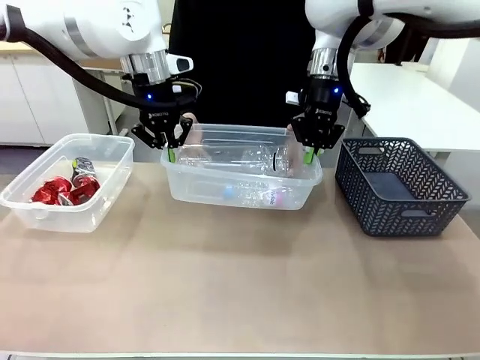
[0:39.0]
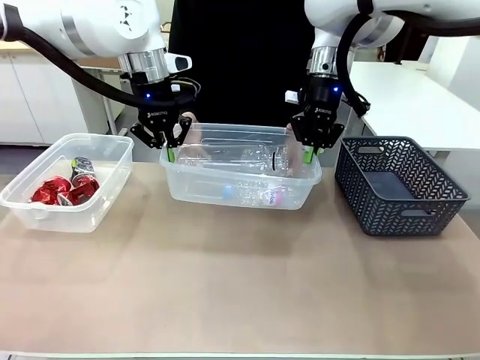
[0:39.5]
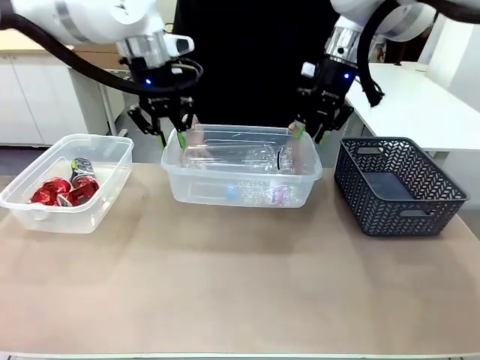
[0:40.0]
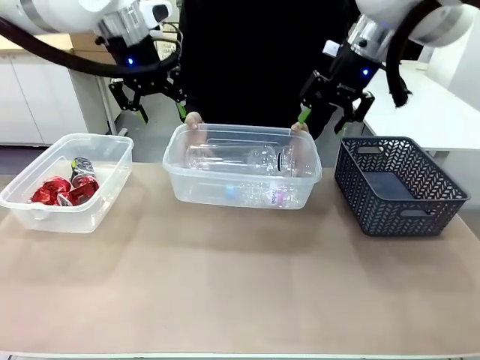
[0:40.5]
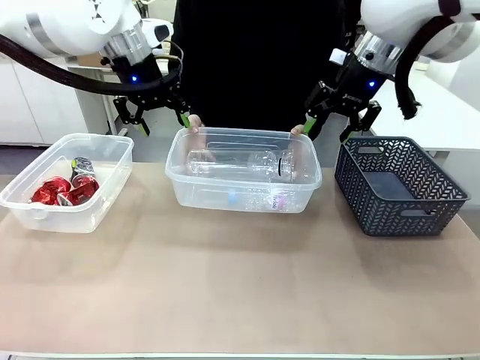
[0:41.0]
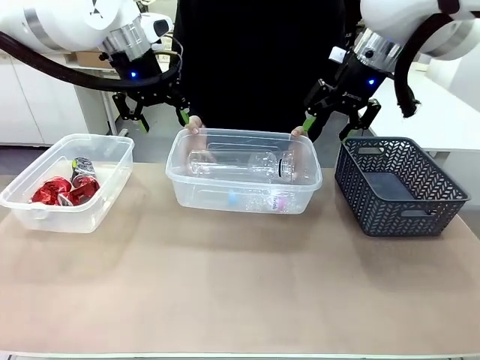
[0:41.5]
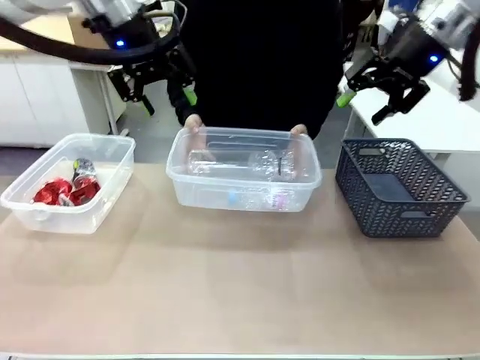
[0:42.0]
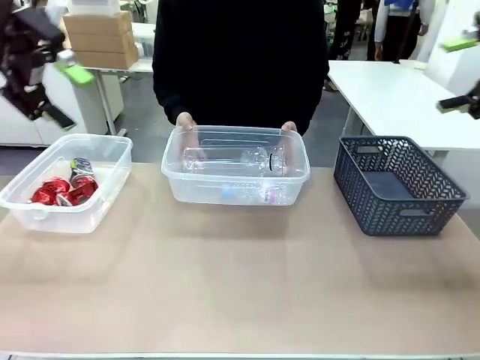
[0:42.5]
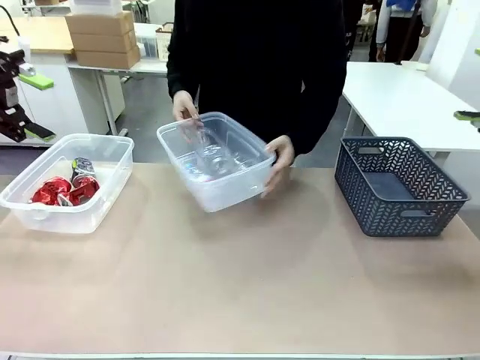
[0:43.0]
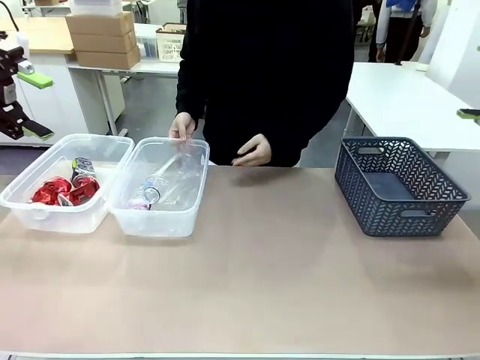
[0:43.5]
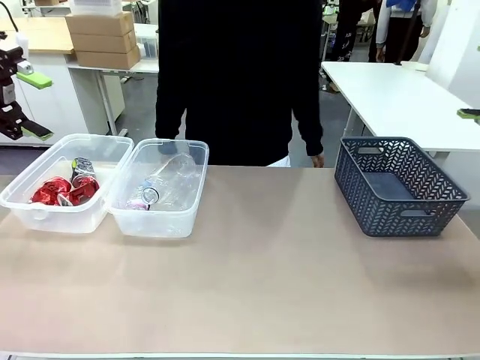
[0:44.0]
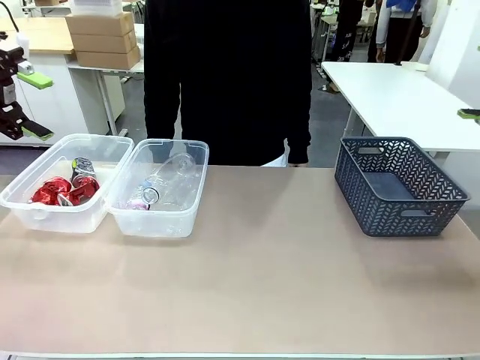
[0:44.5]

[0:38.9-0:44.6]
Robot: Release the Organizing box you were holding.
Person: Pick up the organizing box extended by the robot. Place the organizing box to the left of the sorting box containing the can waste.

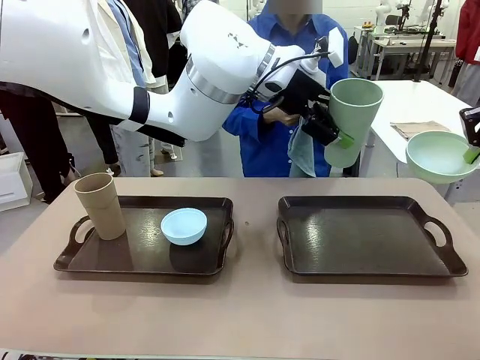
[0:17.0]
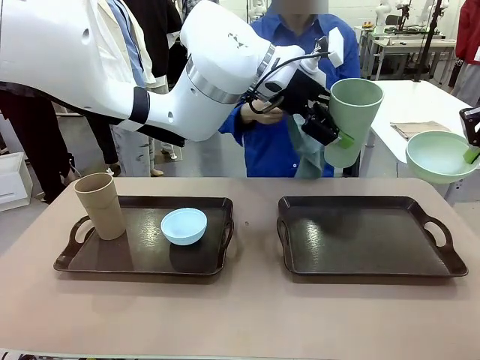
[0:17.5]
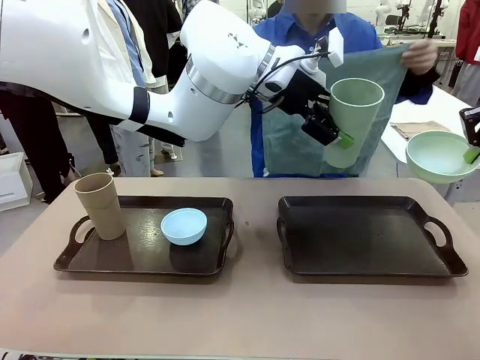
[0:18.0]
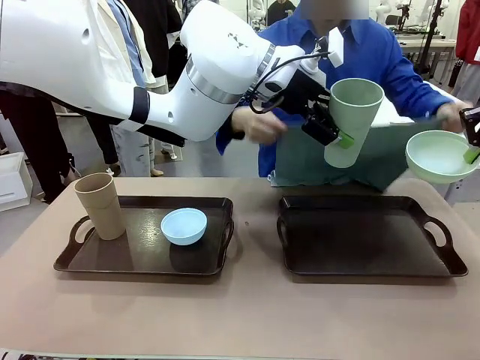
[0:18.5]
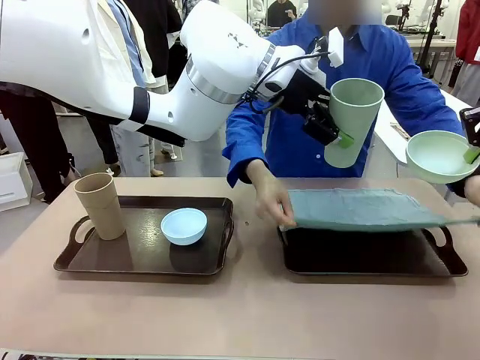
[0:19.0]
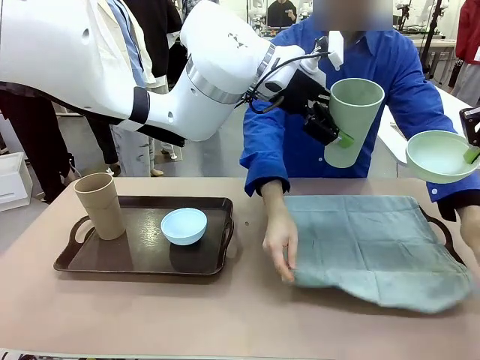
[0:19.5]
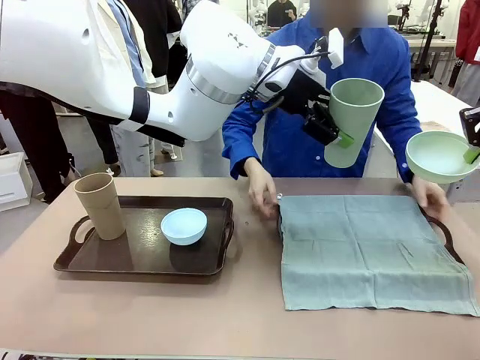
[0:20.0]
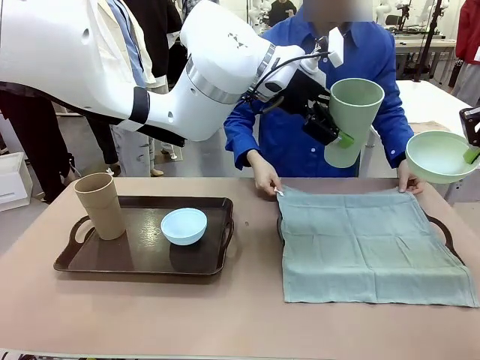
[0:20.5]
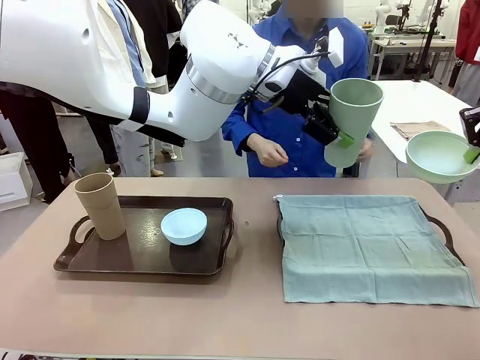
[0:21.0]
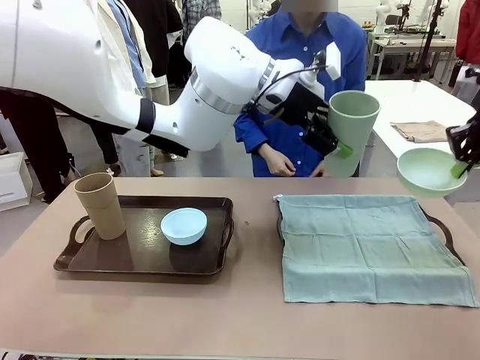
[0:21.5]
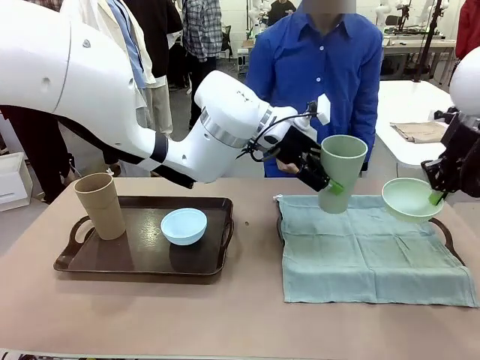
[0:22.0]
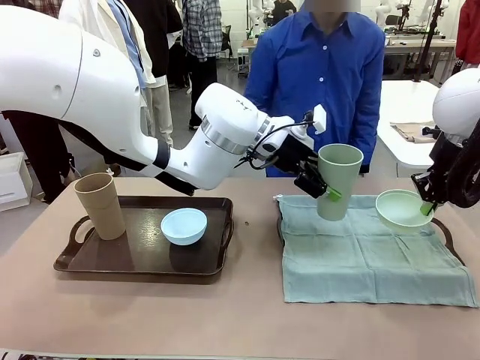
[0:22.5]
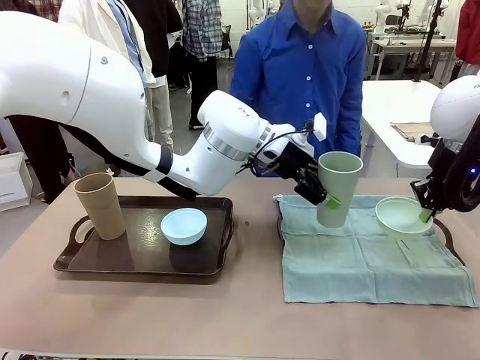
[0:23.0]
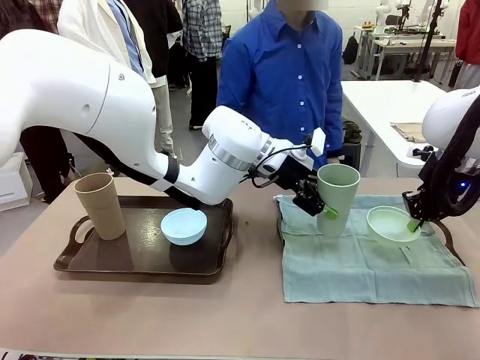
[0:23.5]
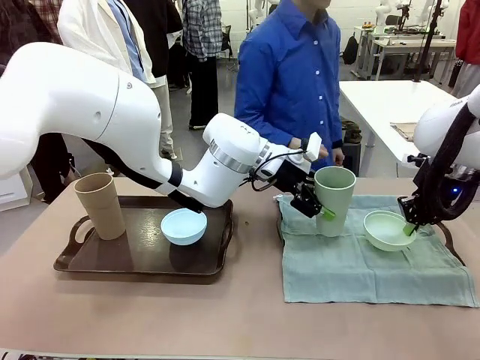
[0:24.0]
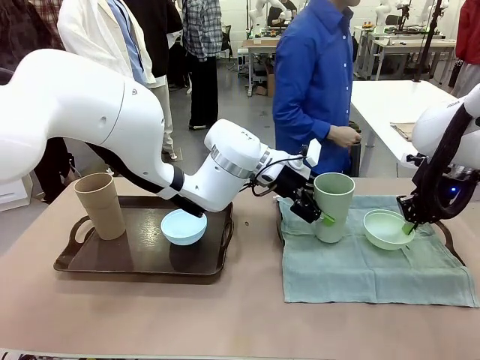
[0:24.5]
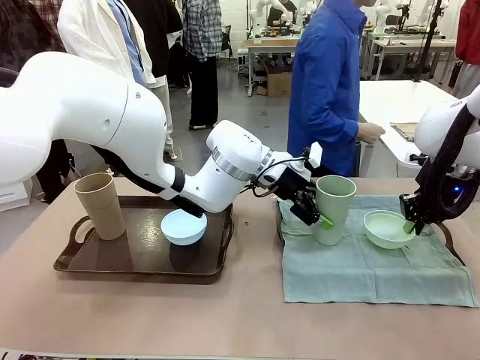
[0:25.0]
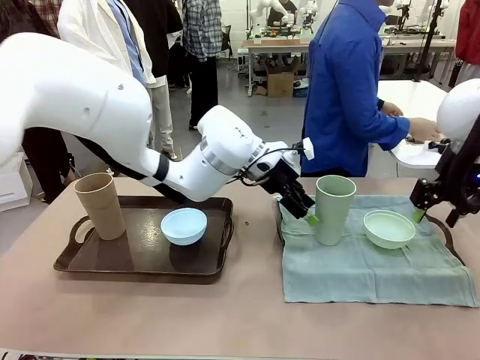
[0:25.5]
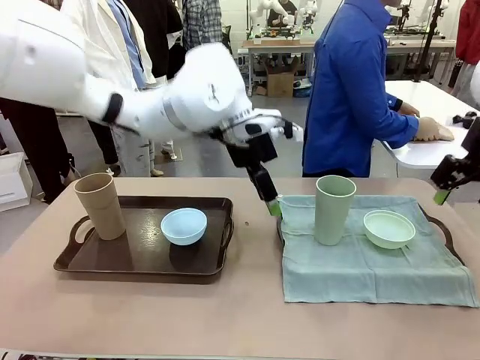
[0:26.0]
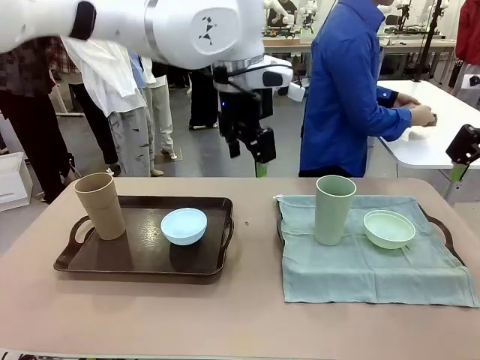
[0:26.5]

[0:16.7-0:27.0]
Robot: Place the Picnic Bowl and Reusable plastic cup back onto the Handle tray in front of the human's position.
Person: The human returns to the human table to pick up another napkin and walks to the robot table to stand in front of the tray without a napkin.
